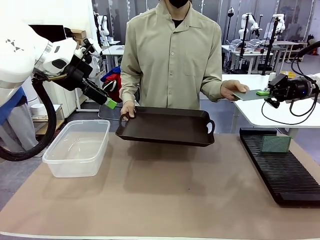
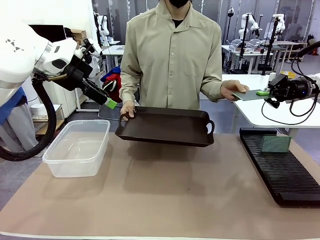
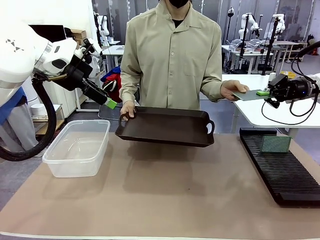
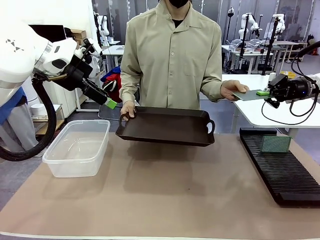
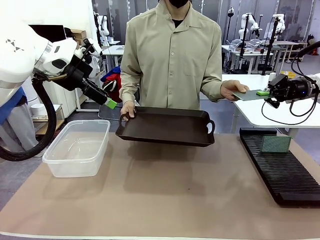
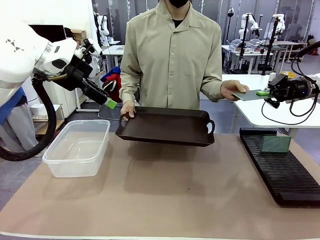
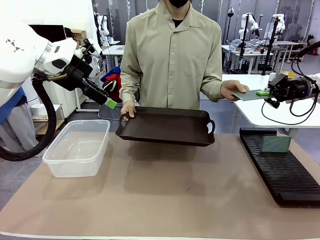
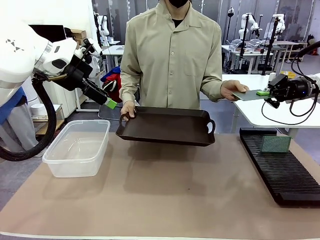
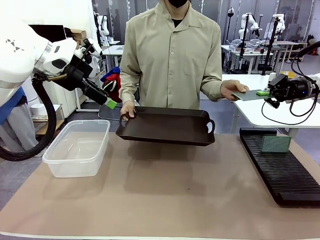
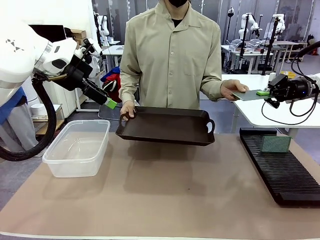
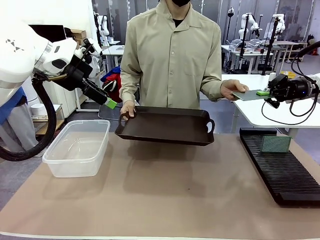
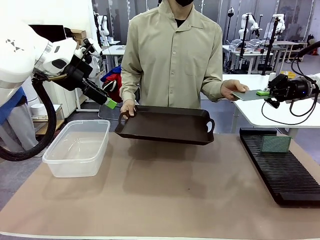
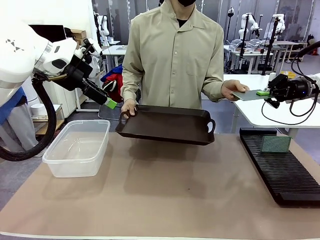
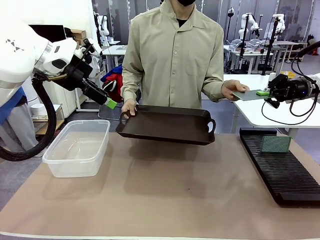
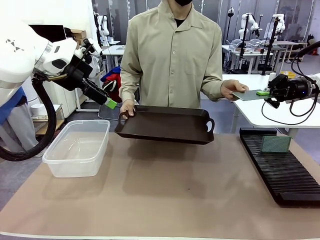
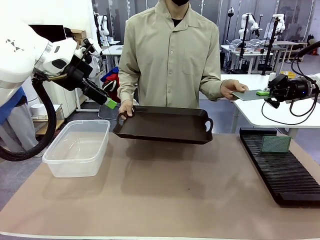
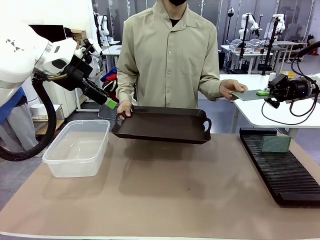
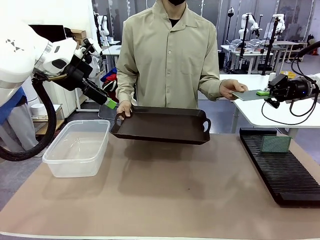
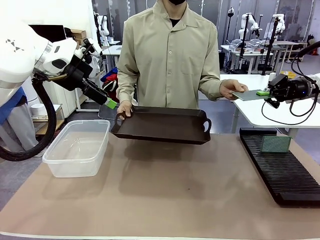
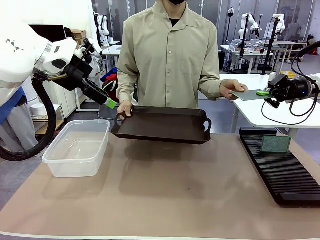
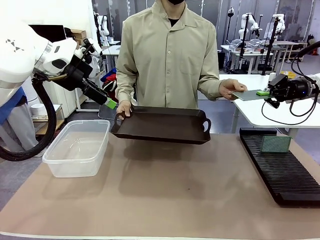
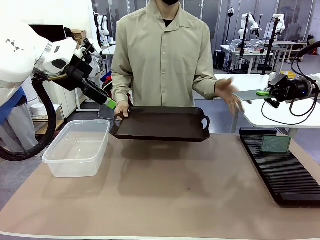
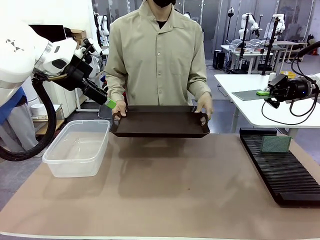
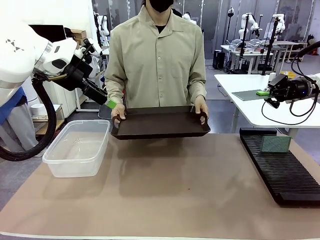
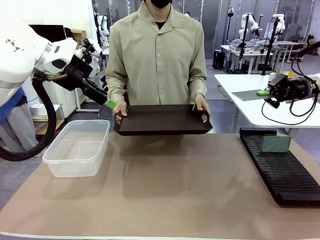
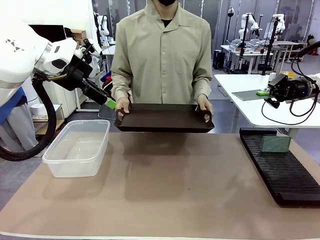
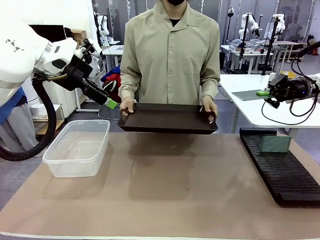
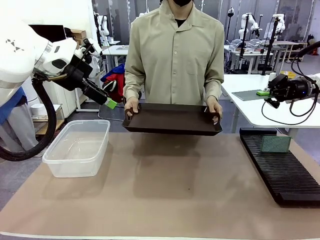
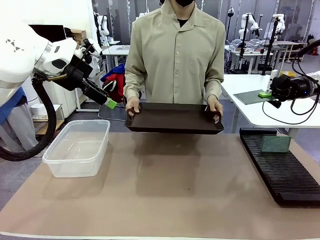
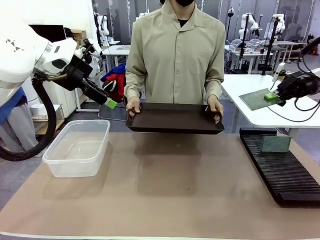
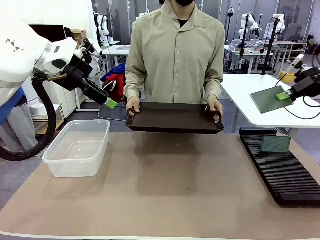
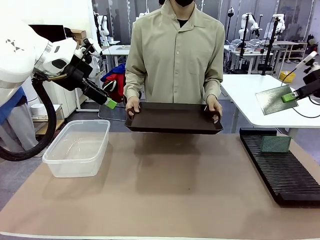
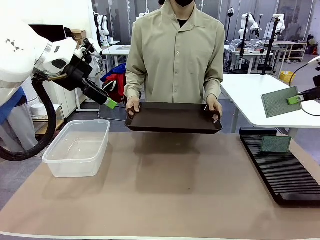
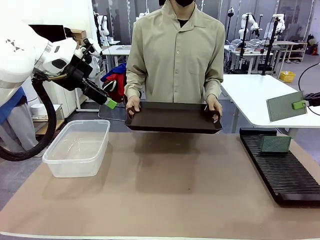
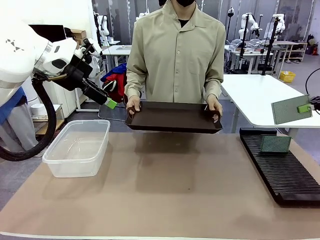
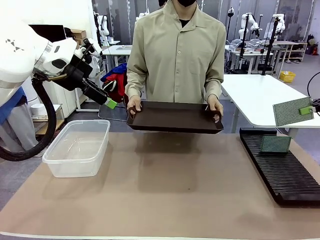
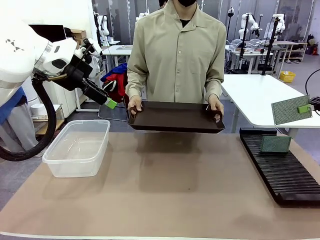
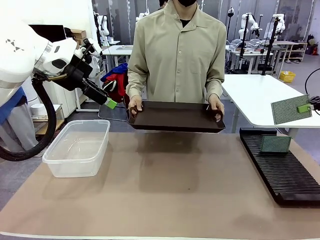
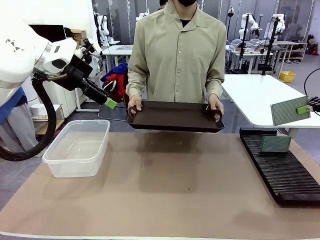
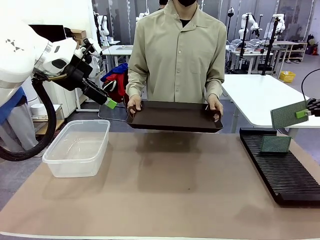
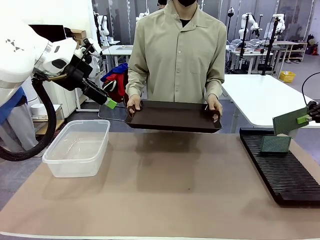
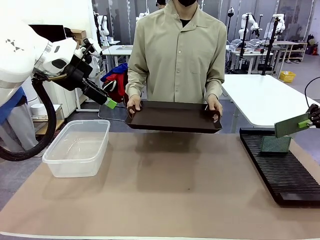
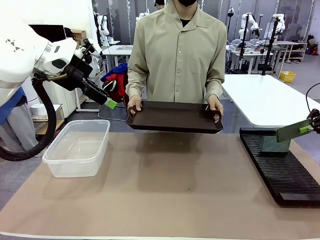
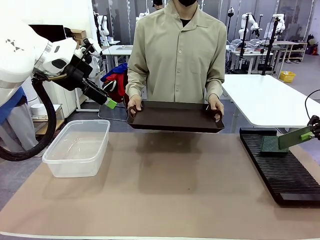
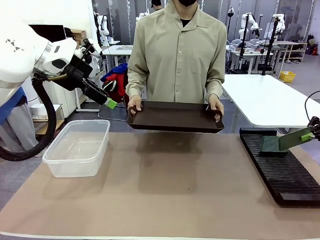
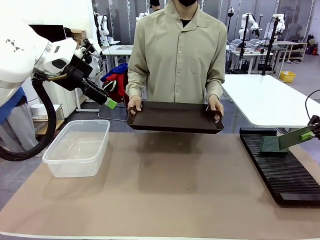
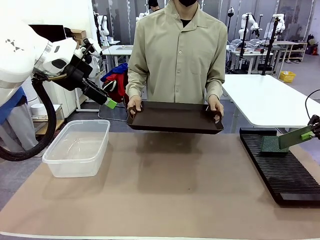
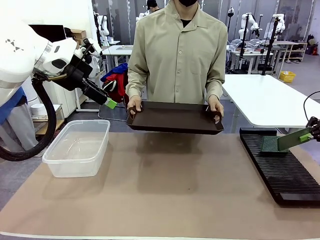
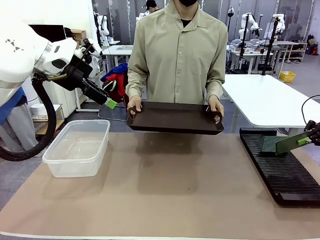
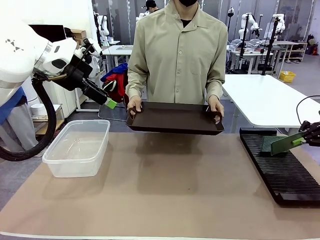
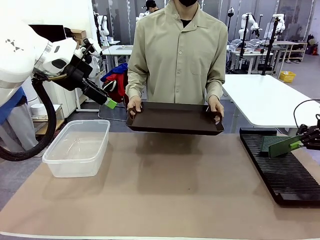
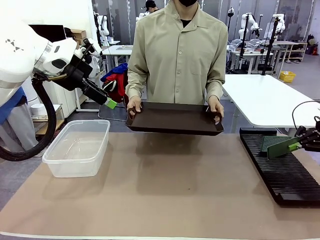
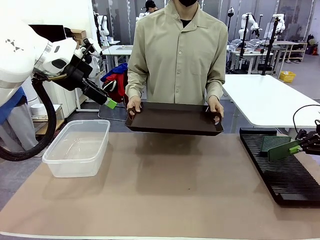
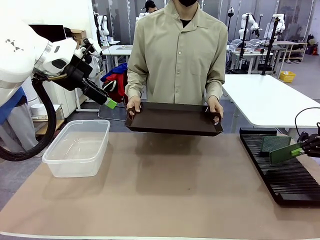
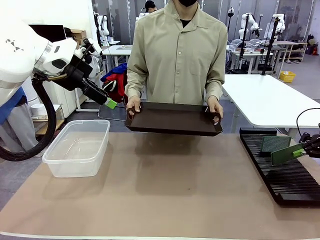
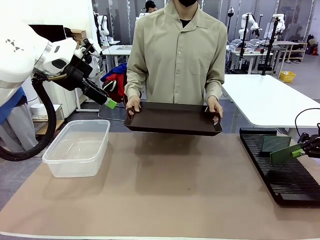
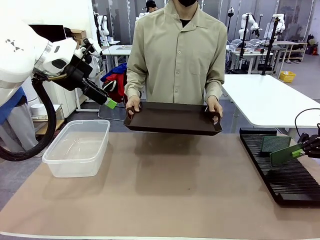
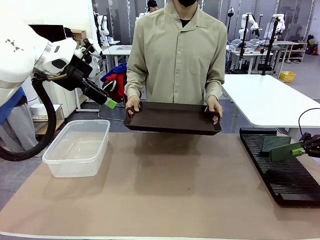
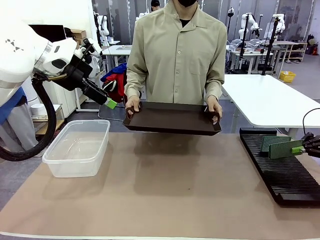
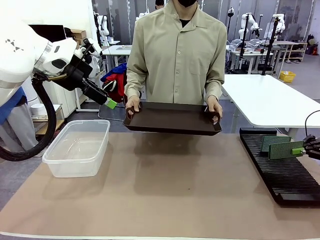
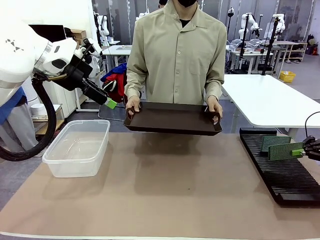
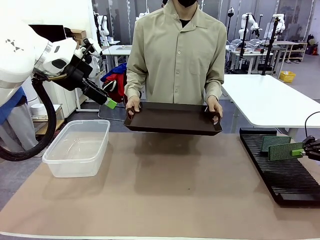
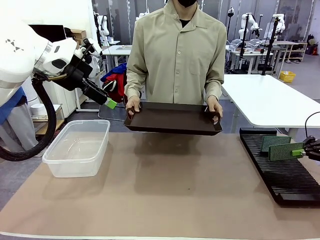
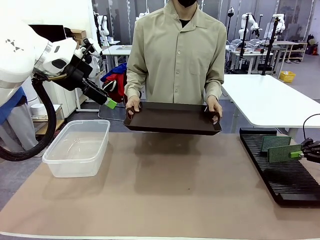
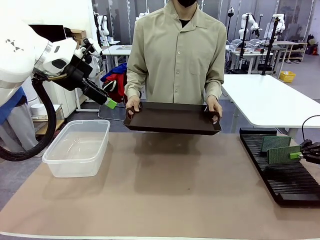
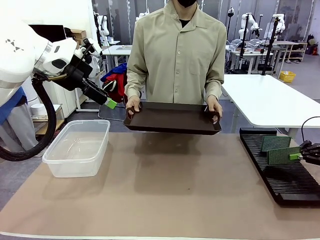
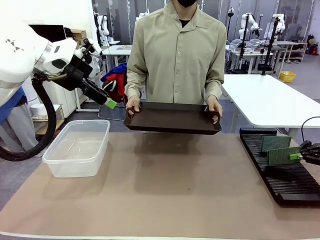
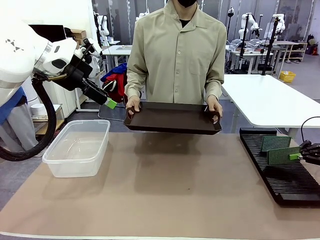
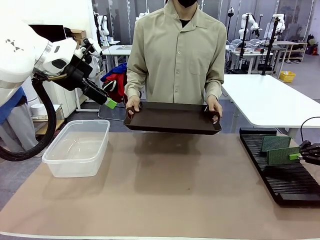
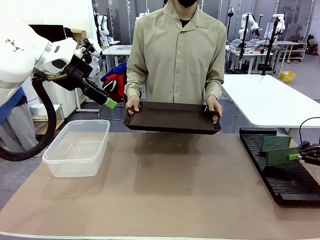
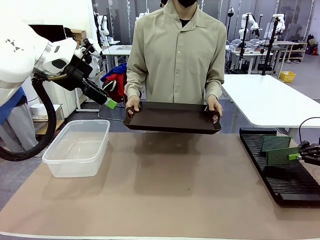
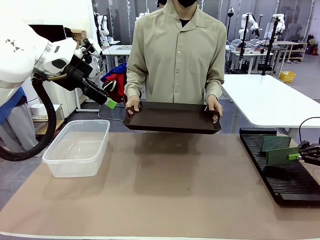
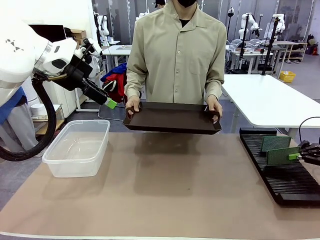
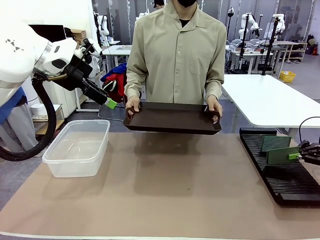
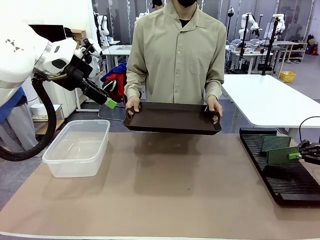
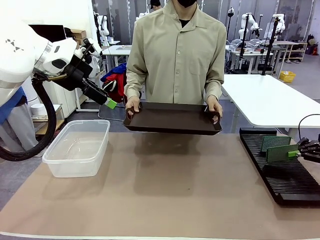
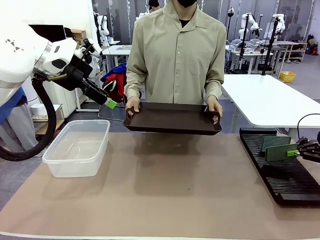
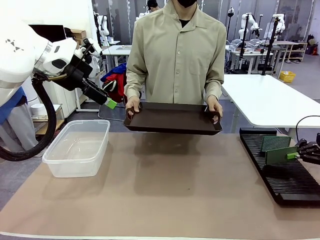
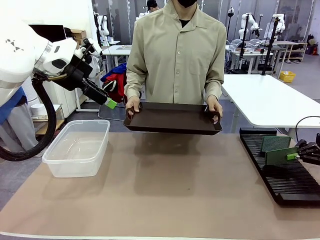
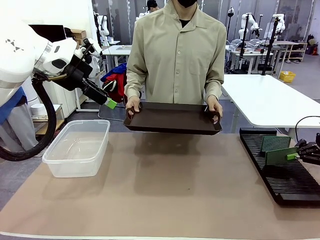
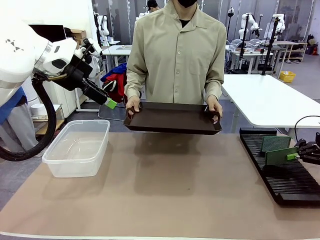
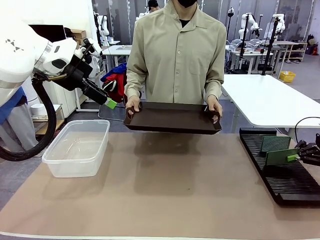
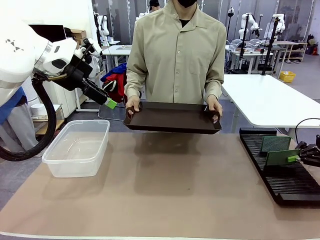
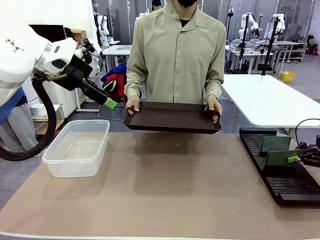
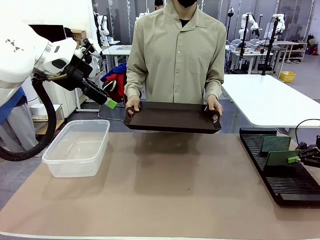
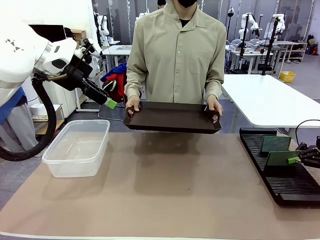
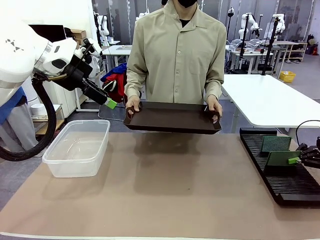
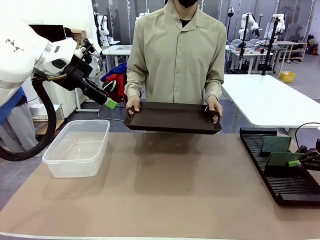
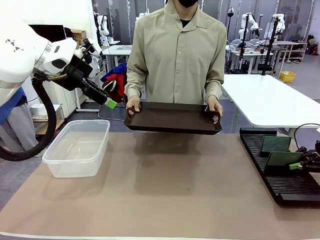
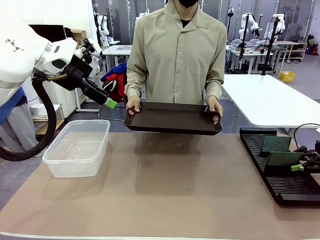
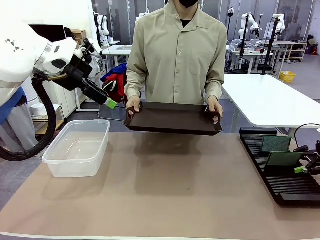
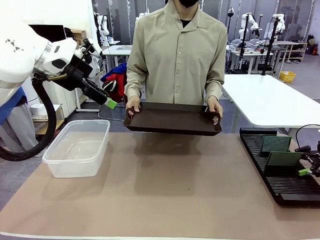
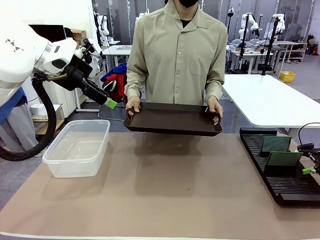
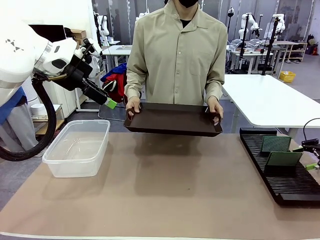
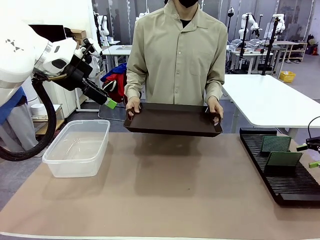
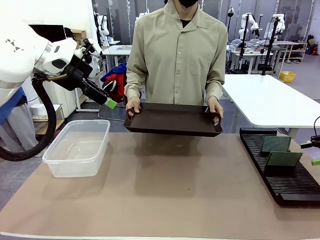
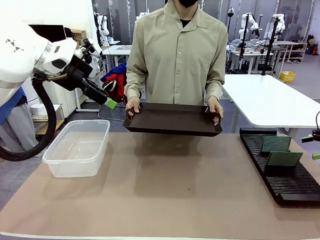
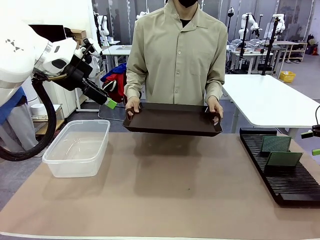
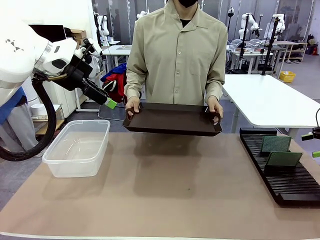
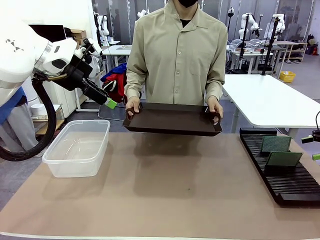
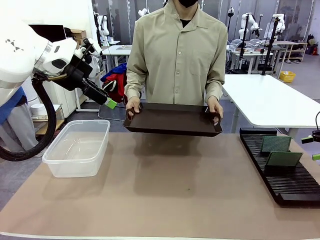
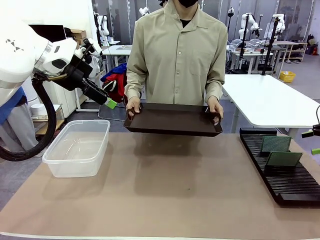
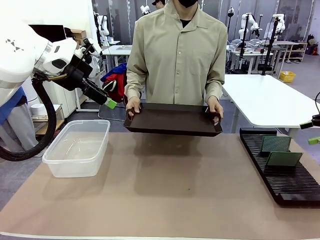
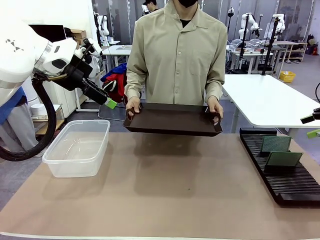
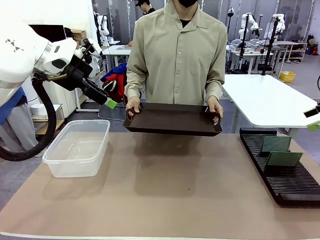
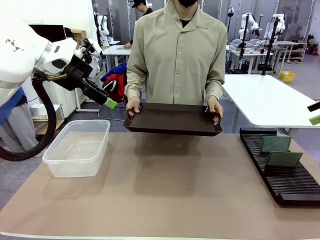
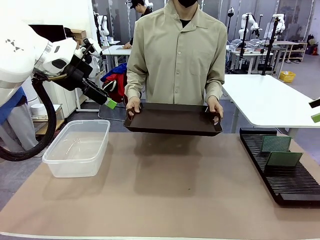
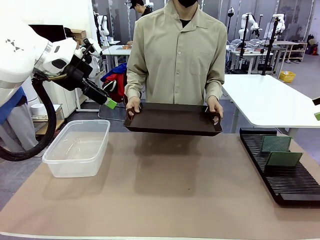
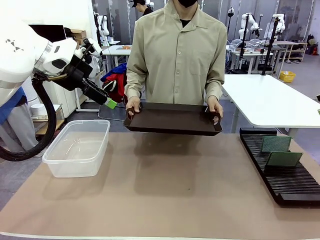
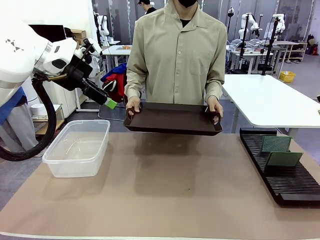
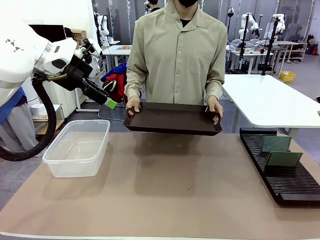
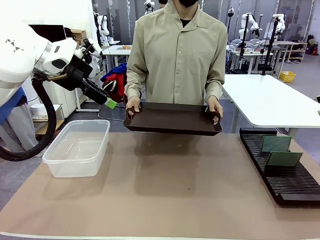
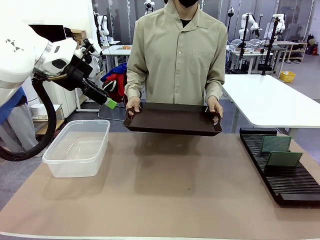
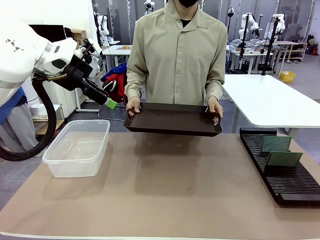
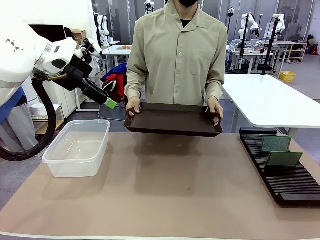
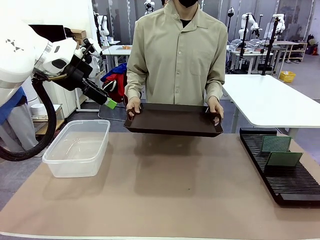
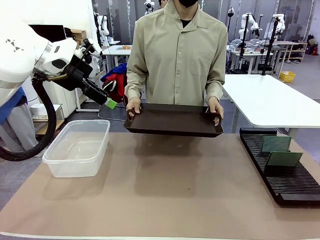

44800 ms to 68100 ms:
Task: Sort PCBs into racks and boxes based on the side picked up.
Robot: If the short side of the Blank PCB is picked up, insert it into the PCB Rack ; if the long side is picked up, place it in the Organizing box.
Person: Release the PCB being held.
